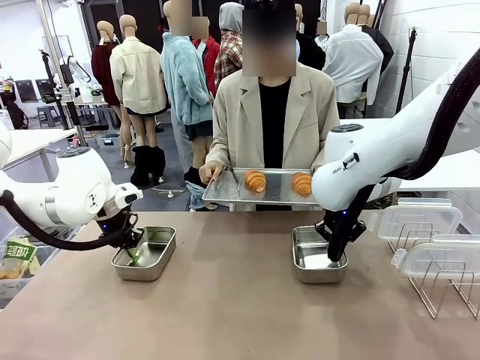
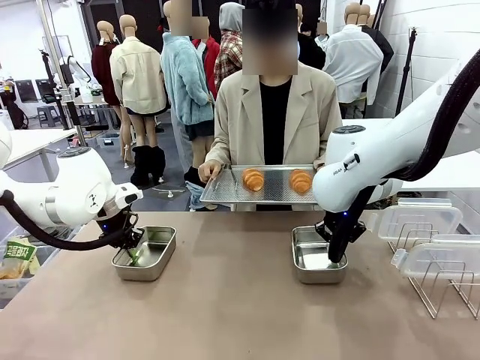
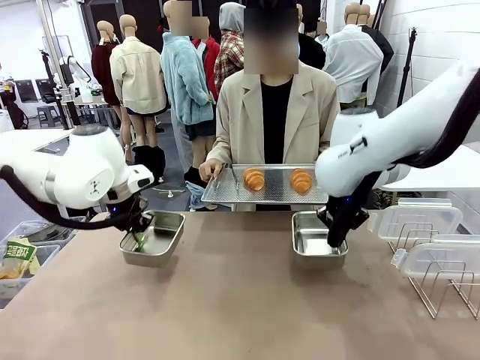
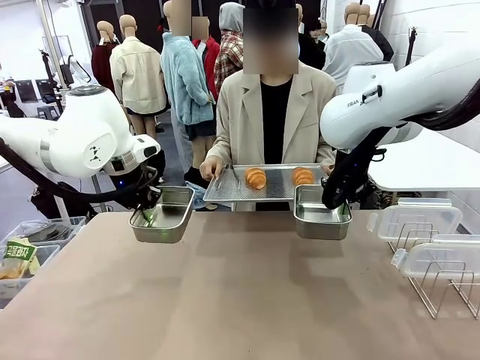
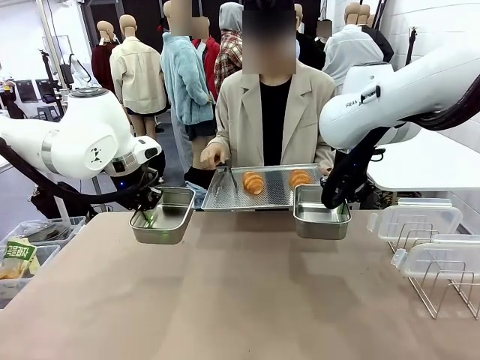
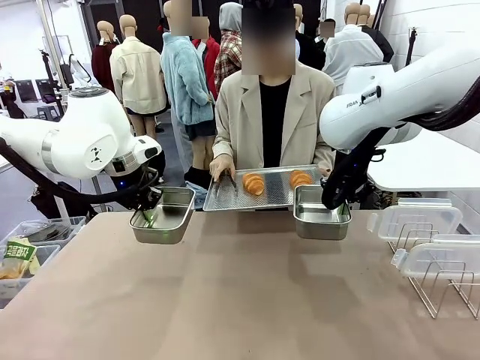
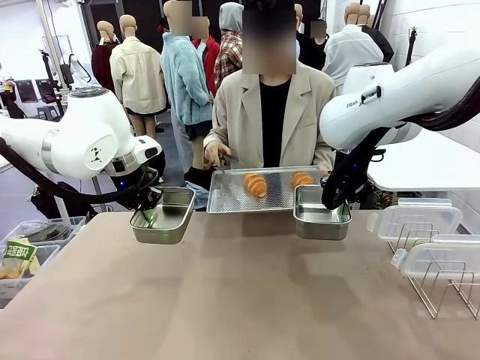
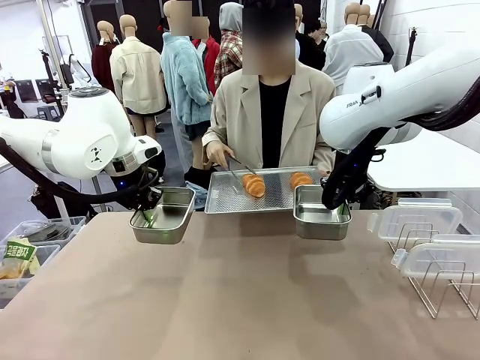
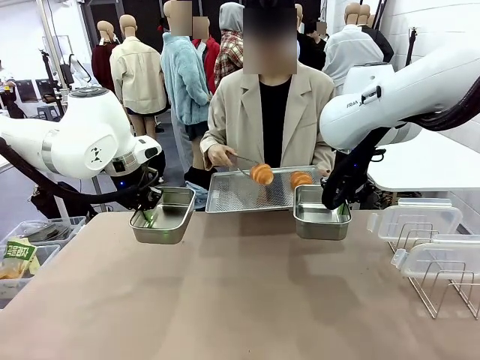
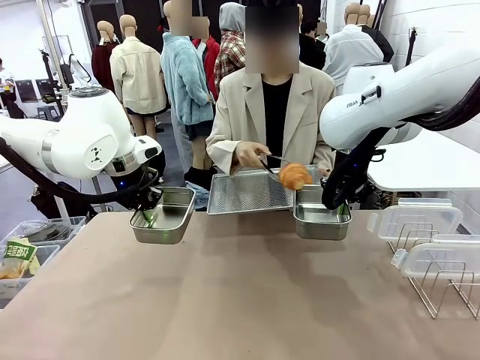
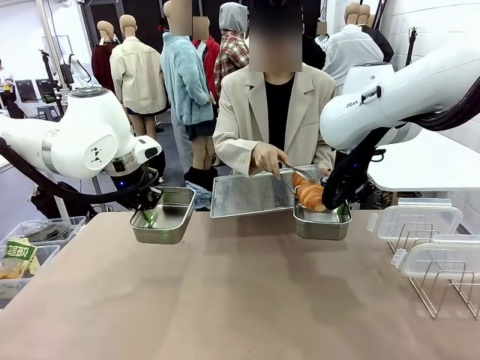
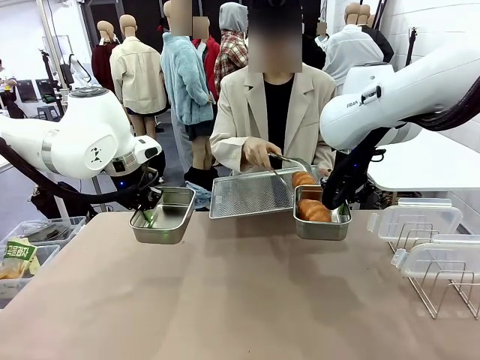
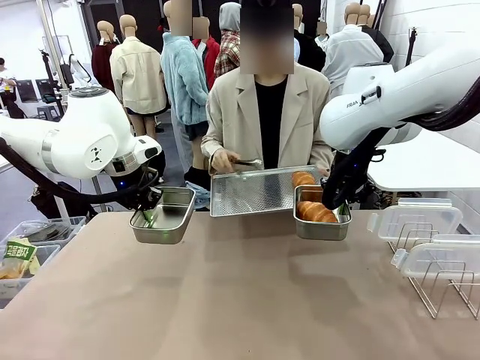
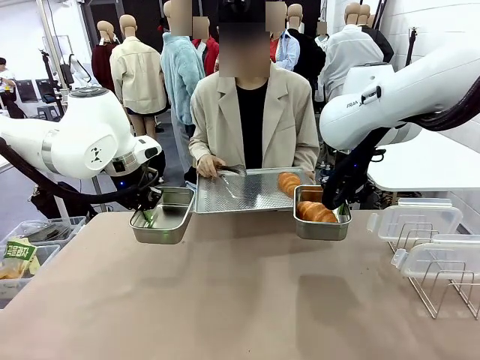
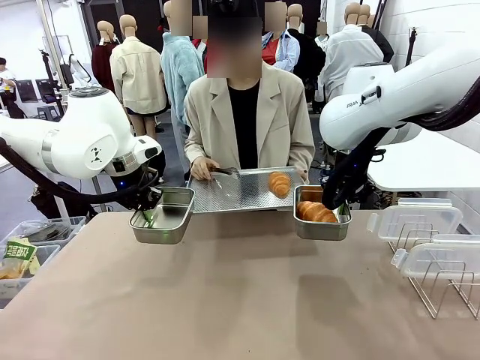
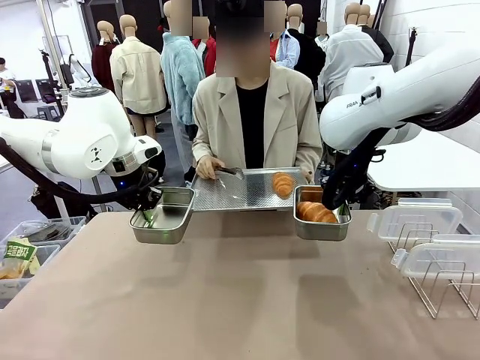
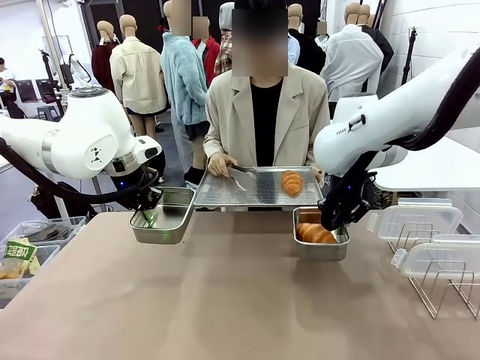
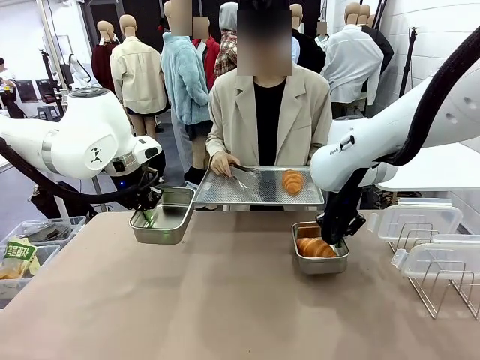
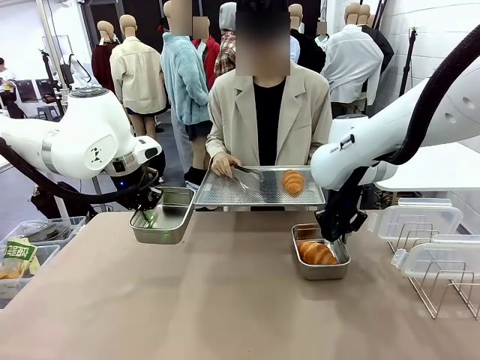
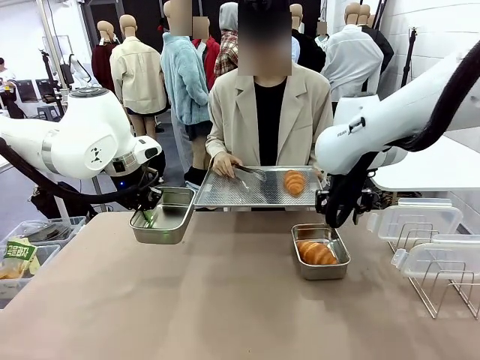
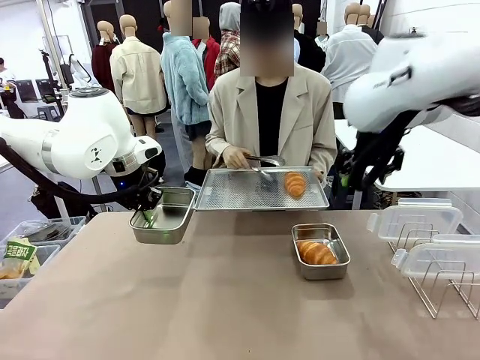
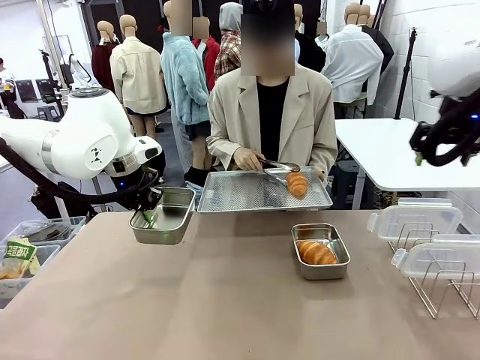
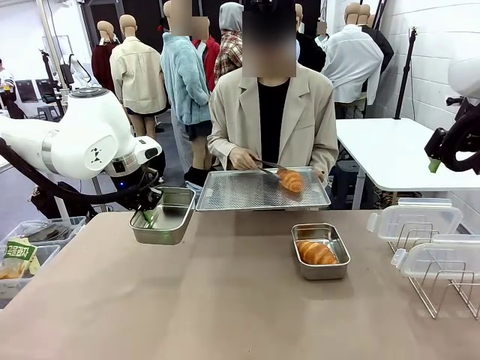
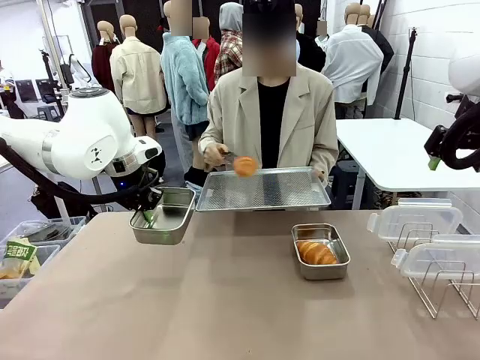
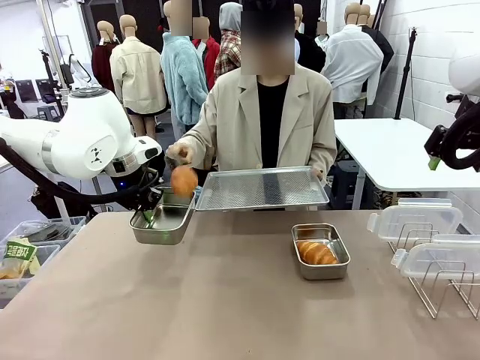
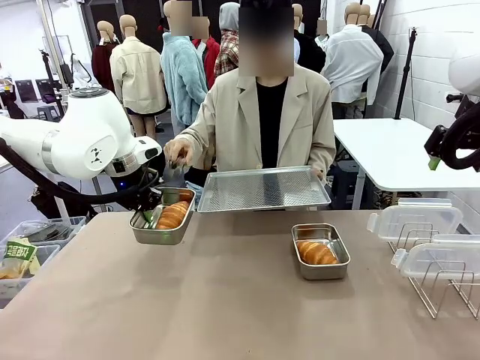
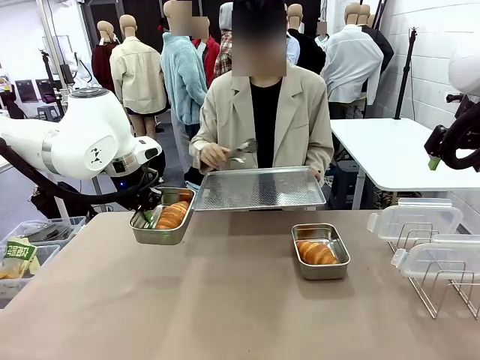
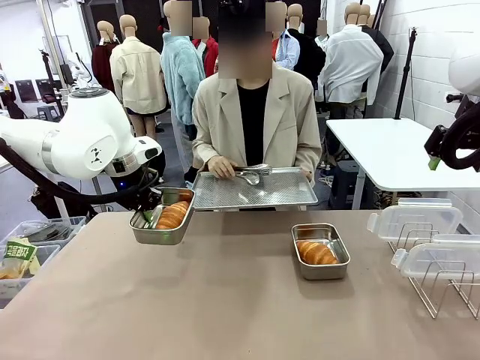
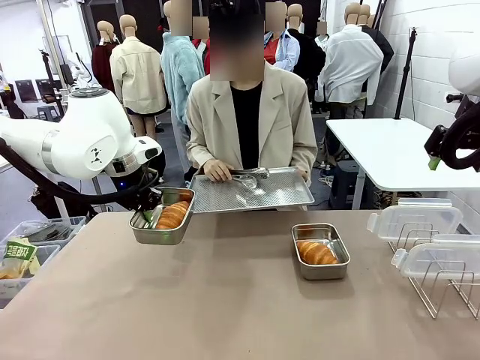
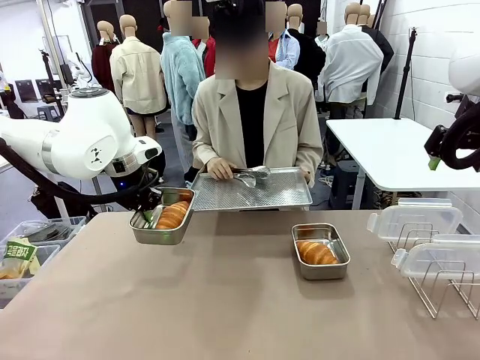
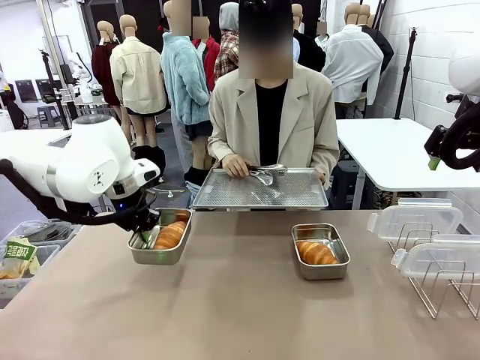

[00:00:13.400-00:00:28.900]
Task: Place the bread in airtight containers.
Robot: Once an object is inside an Airtight Container , place the container in the center of the table.
Person: Use the Stainless steel tongs to place one object from Baking Sheet into one Airtight Container.

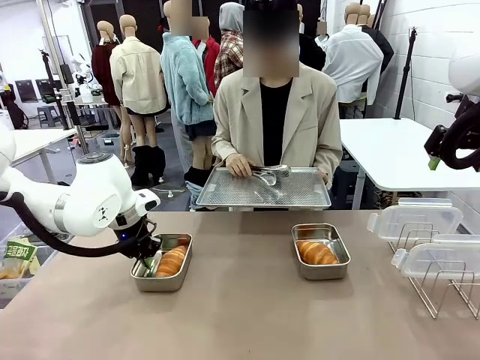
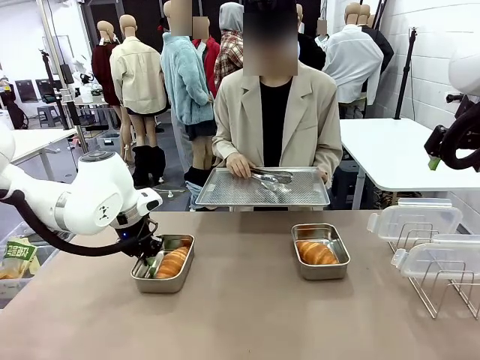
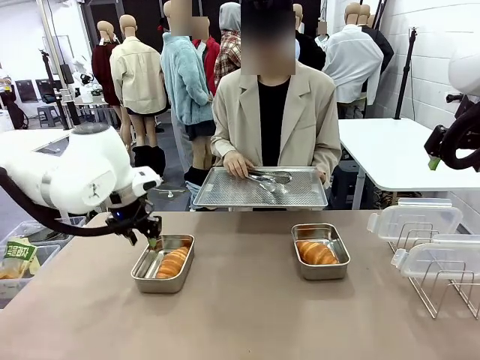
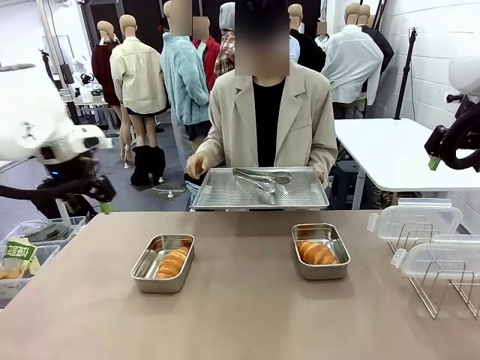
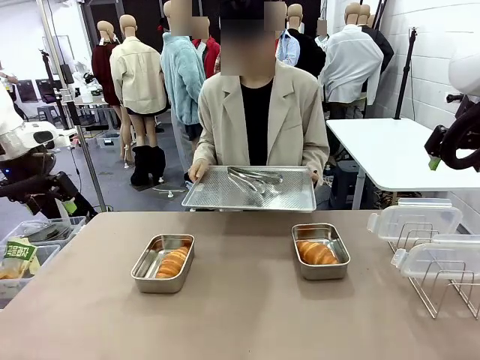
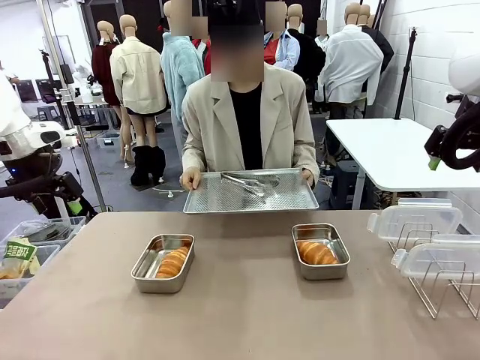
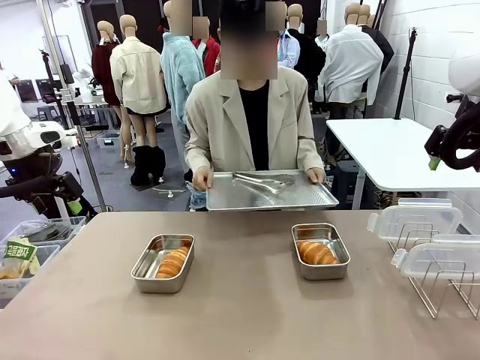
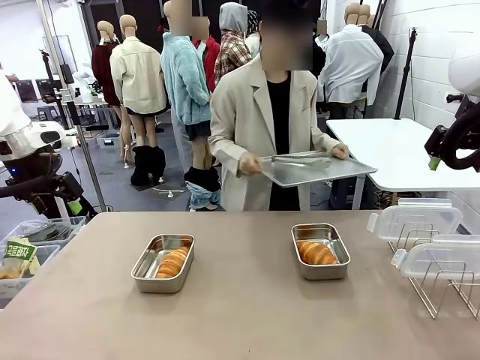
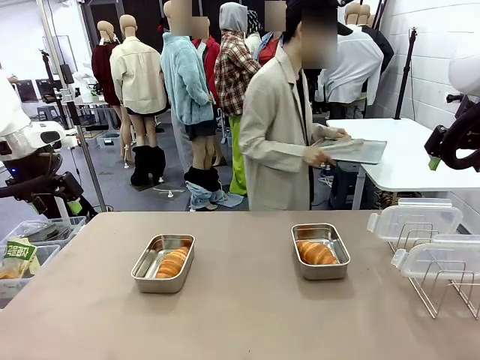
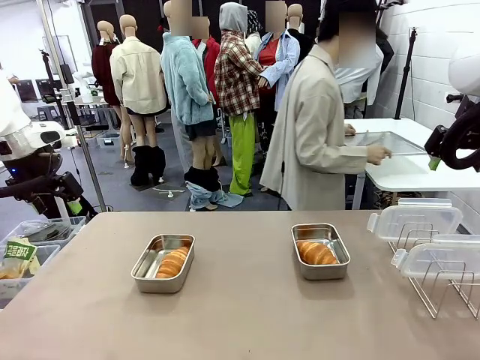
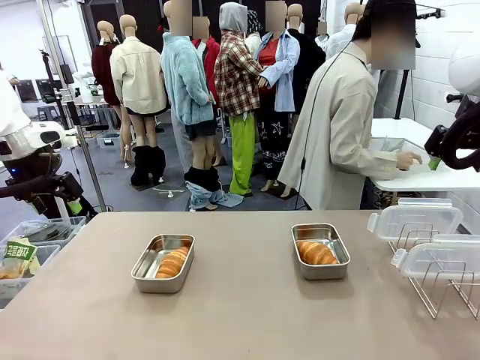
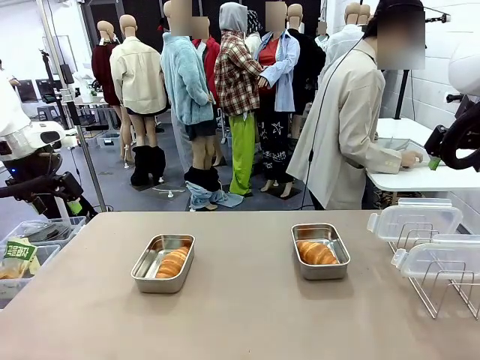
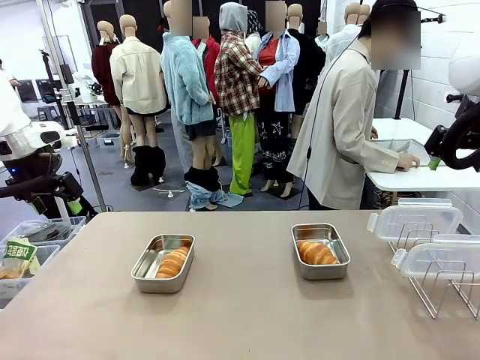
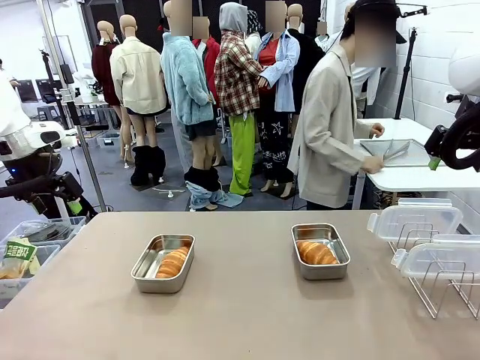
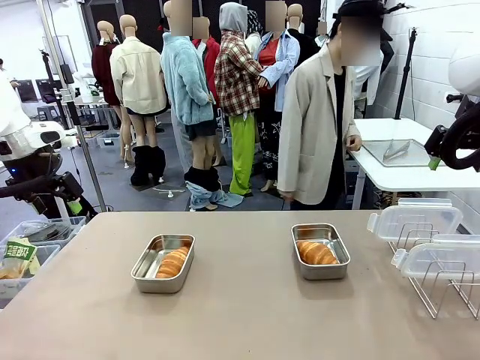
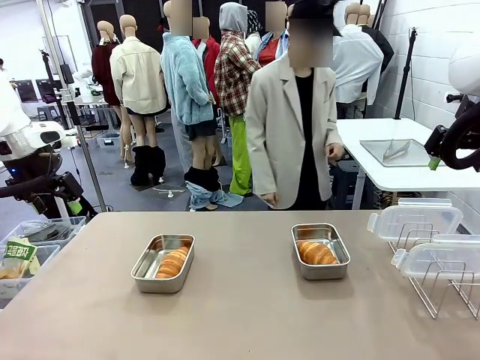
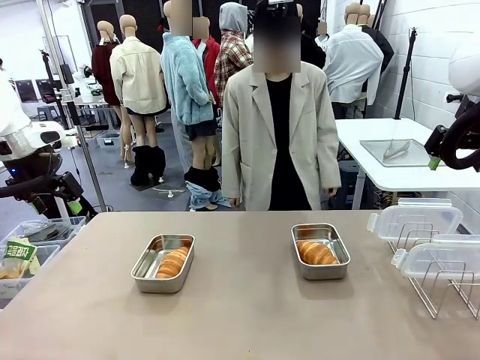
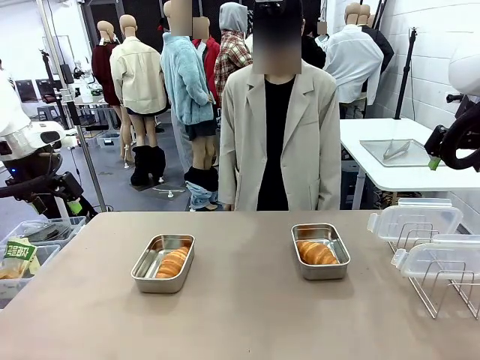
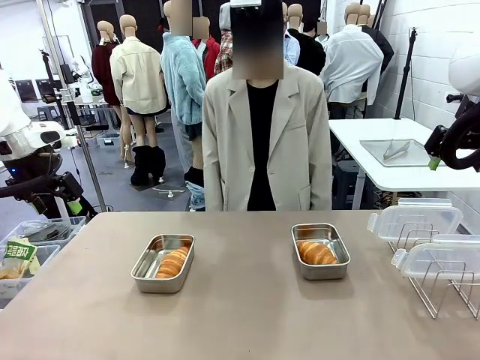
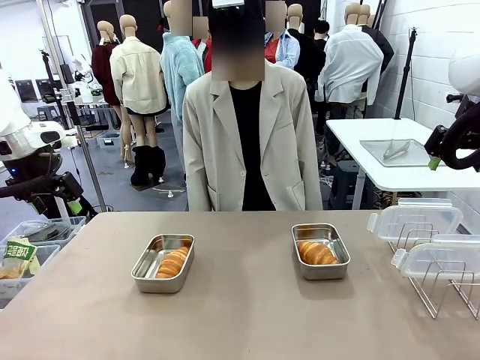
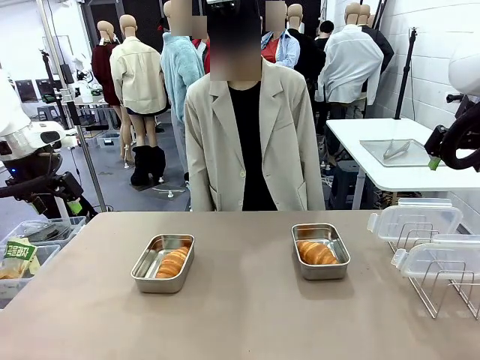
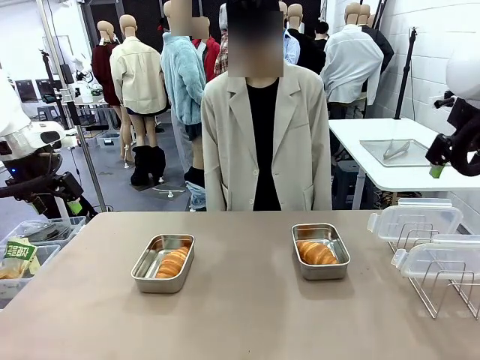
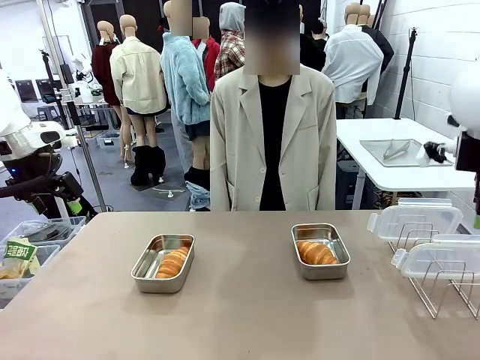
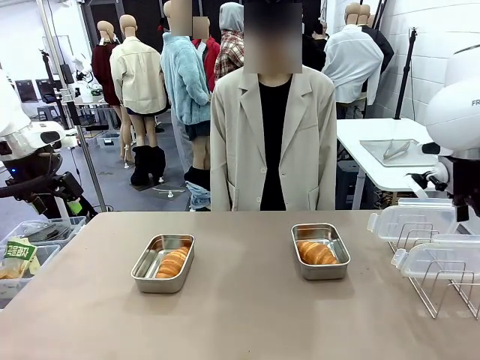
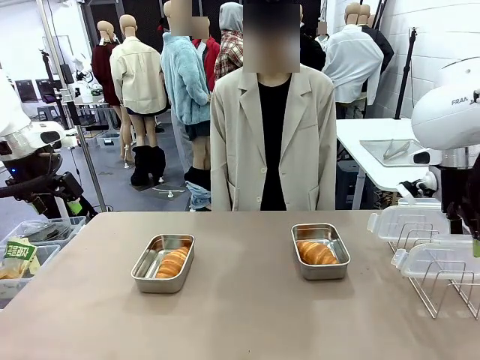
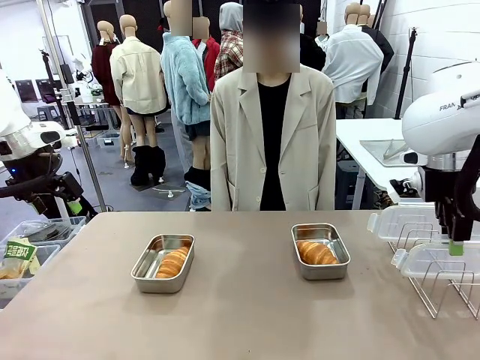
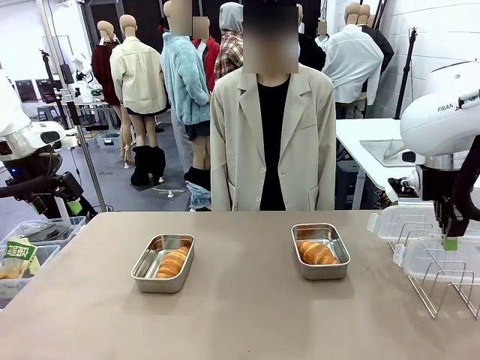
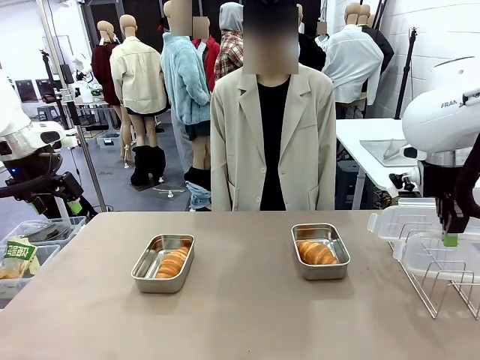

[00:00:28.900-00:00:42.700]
Robot: Pick up one Airtight Container lid and hand it to the human.
Person: Place Baking Sheet on the Human's Table. Grip Airtight Container lid that robot is handing.
